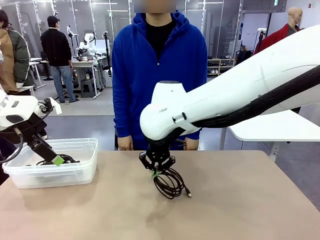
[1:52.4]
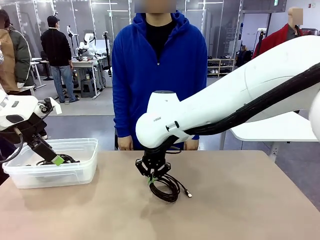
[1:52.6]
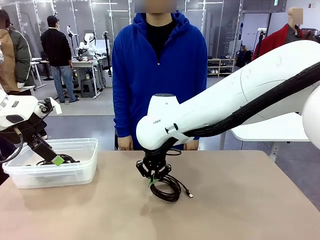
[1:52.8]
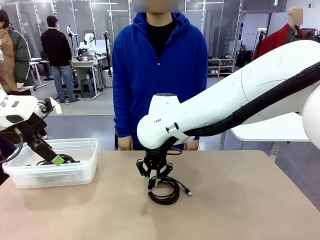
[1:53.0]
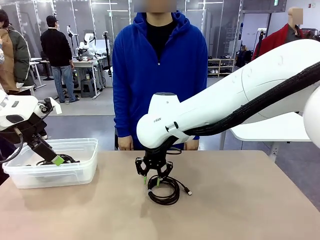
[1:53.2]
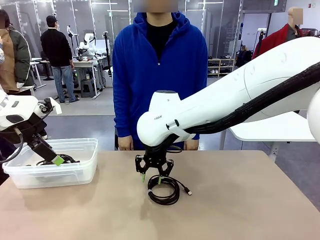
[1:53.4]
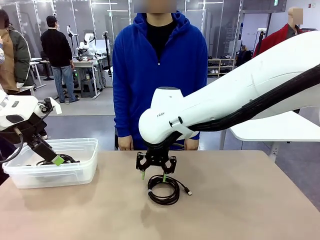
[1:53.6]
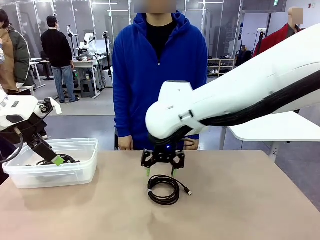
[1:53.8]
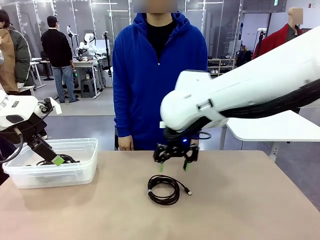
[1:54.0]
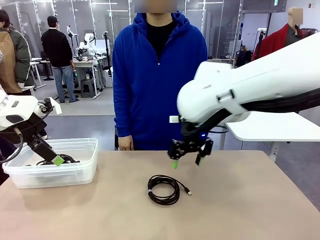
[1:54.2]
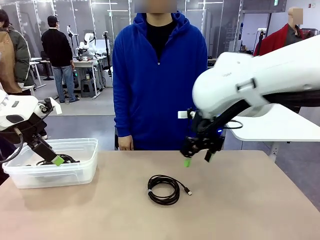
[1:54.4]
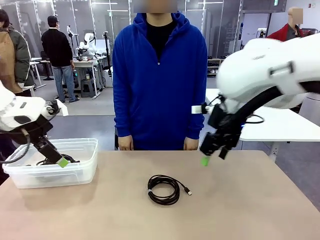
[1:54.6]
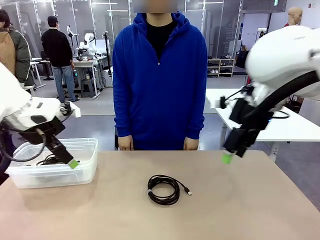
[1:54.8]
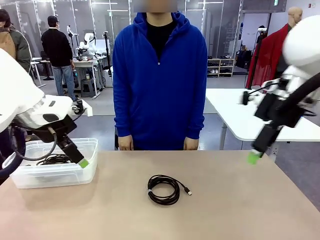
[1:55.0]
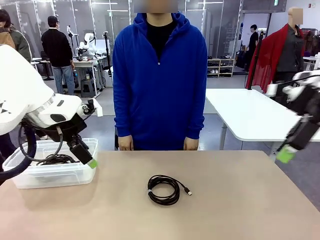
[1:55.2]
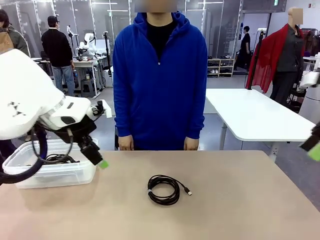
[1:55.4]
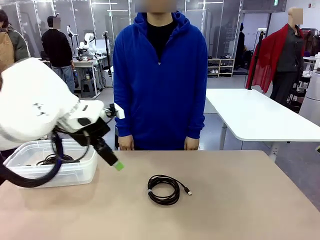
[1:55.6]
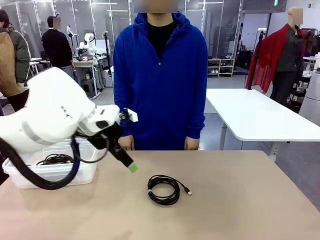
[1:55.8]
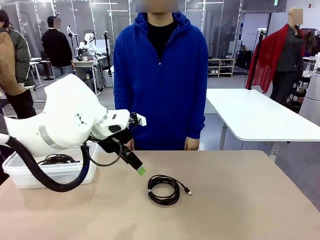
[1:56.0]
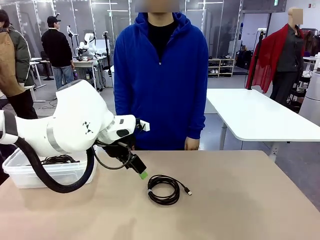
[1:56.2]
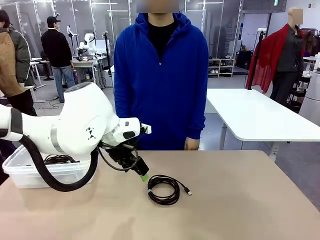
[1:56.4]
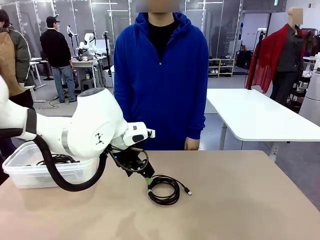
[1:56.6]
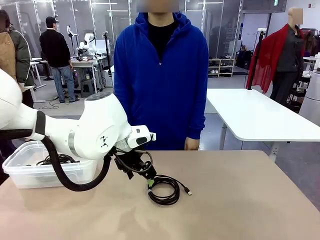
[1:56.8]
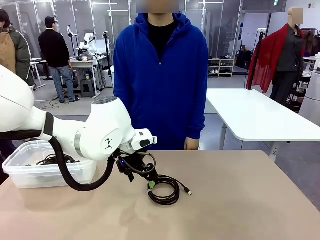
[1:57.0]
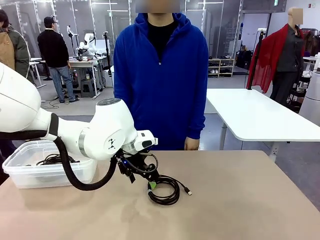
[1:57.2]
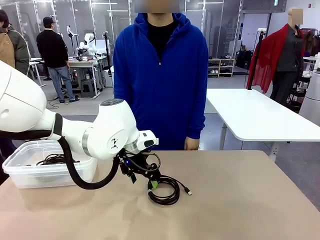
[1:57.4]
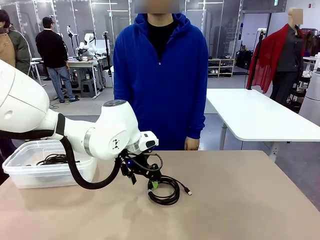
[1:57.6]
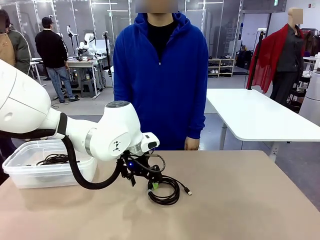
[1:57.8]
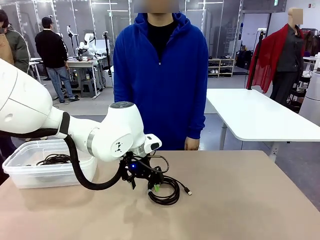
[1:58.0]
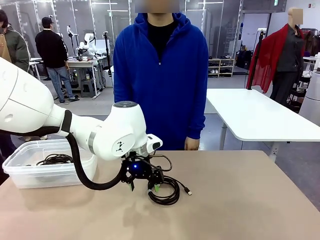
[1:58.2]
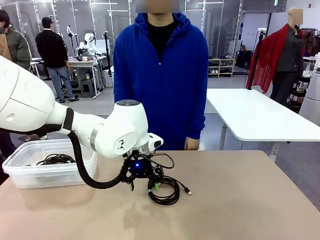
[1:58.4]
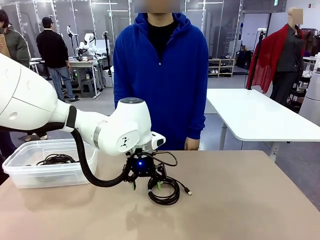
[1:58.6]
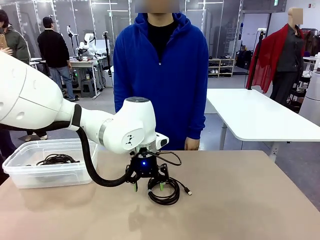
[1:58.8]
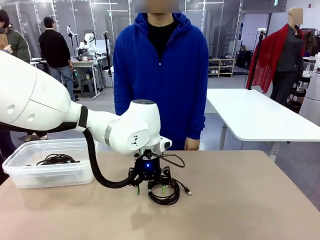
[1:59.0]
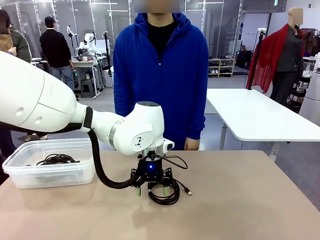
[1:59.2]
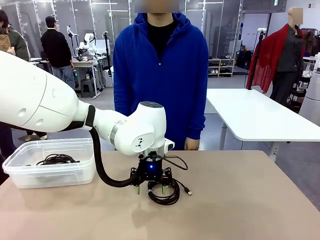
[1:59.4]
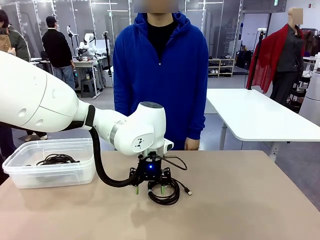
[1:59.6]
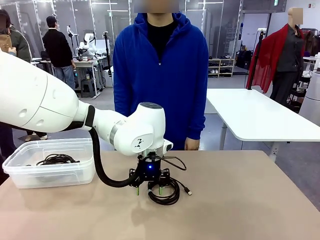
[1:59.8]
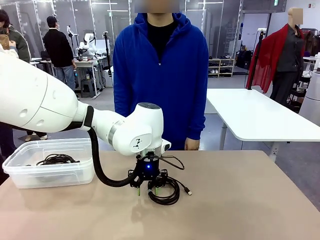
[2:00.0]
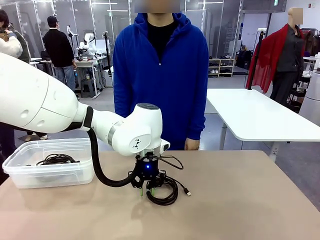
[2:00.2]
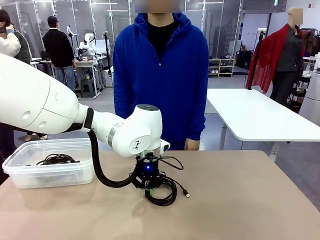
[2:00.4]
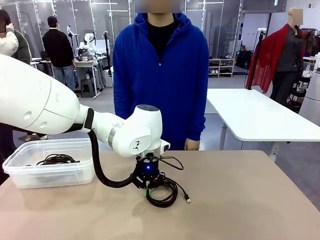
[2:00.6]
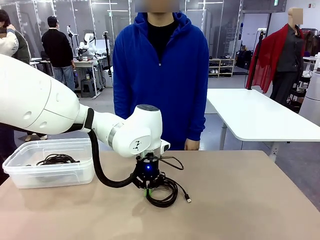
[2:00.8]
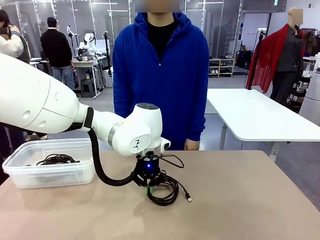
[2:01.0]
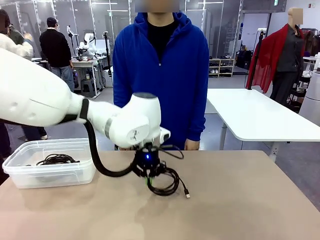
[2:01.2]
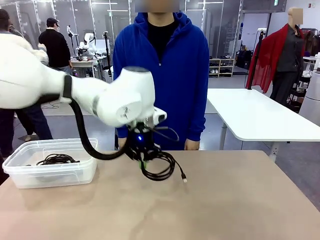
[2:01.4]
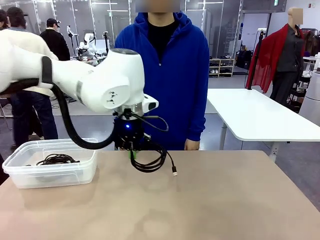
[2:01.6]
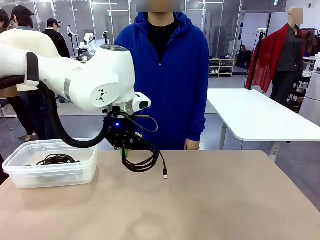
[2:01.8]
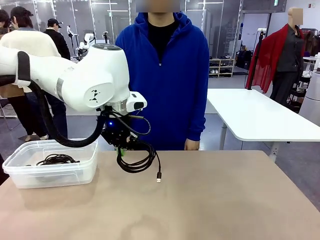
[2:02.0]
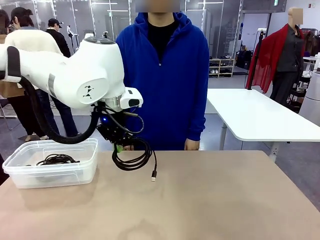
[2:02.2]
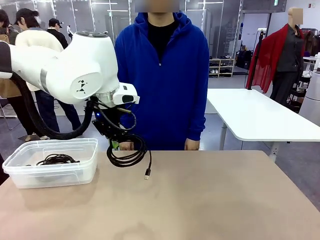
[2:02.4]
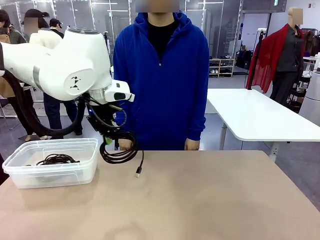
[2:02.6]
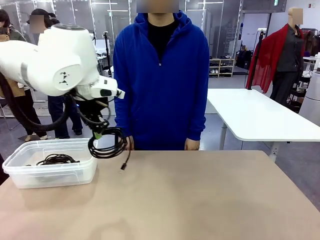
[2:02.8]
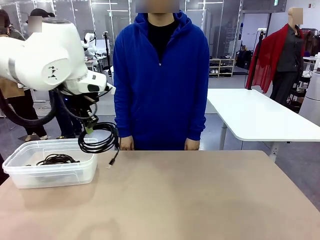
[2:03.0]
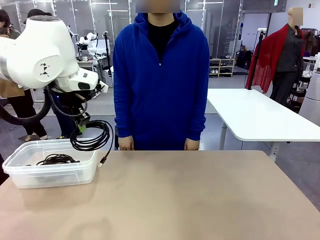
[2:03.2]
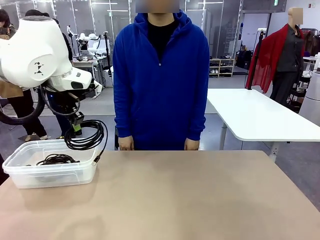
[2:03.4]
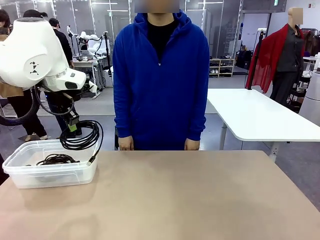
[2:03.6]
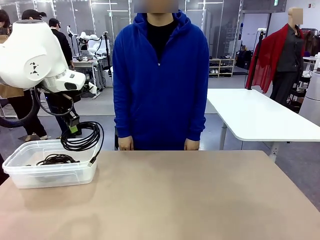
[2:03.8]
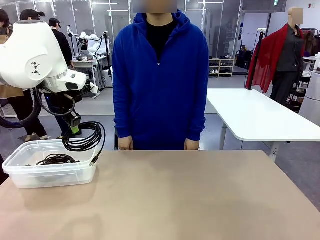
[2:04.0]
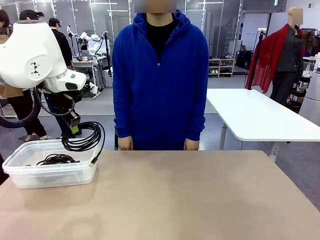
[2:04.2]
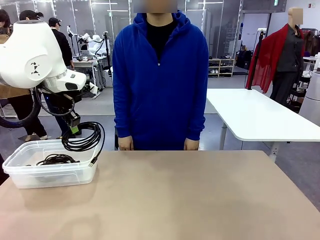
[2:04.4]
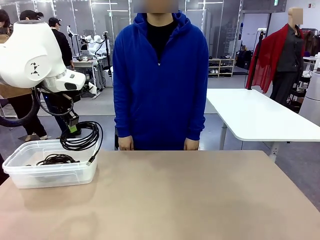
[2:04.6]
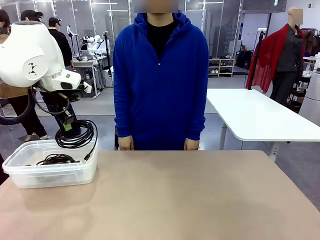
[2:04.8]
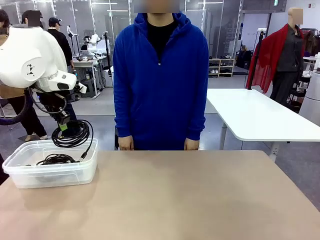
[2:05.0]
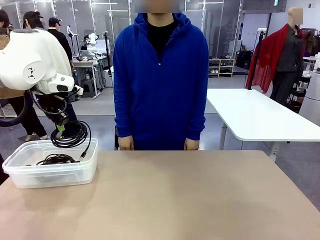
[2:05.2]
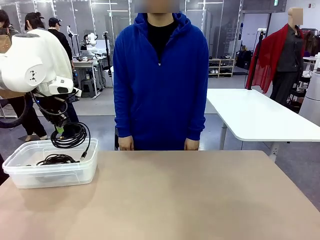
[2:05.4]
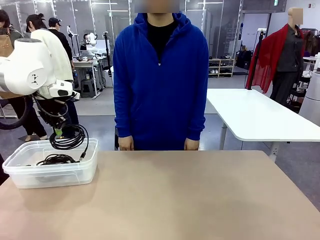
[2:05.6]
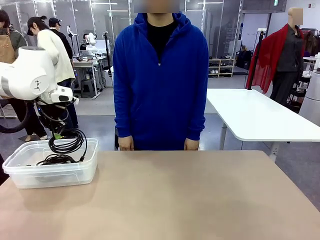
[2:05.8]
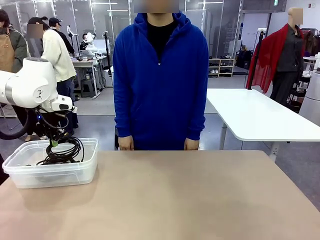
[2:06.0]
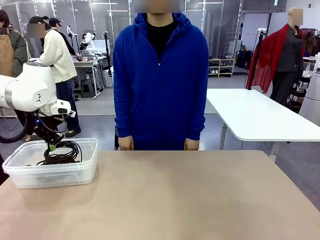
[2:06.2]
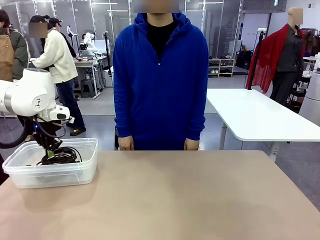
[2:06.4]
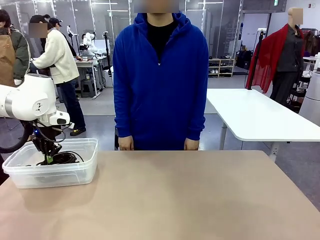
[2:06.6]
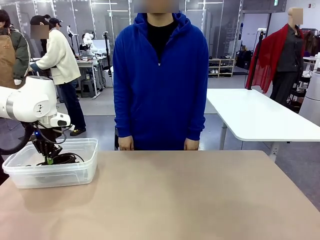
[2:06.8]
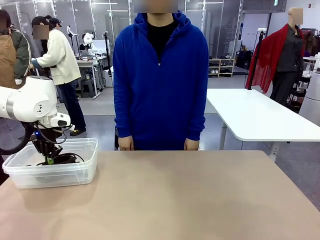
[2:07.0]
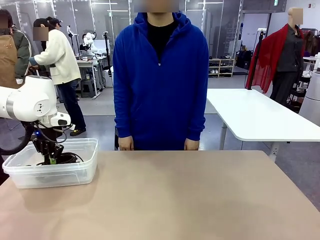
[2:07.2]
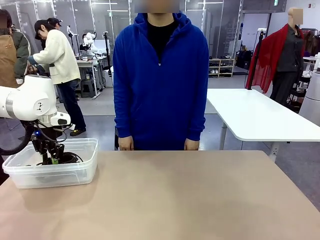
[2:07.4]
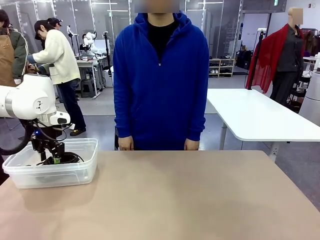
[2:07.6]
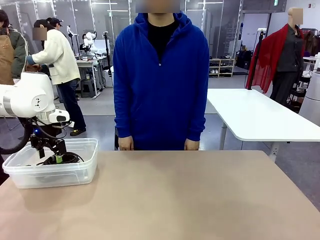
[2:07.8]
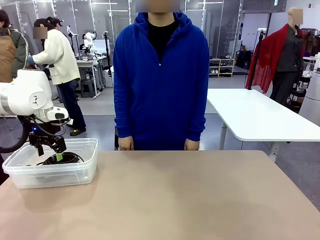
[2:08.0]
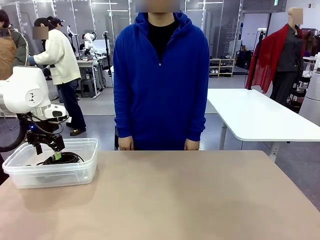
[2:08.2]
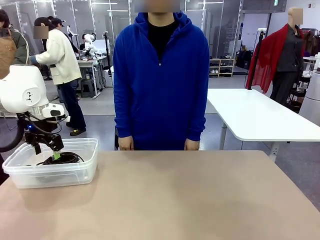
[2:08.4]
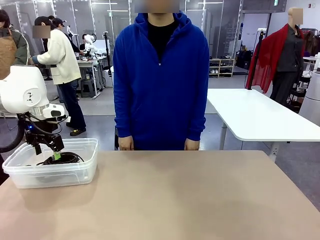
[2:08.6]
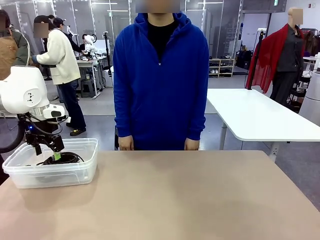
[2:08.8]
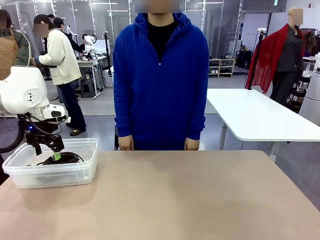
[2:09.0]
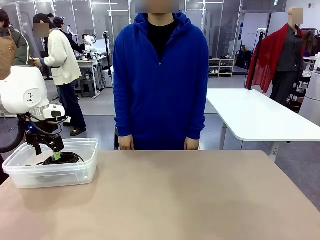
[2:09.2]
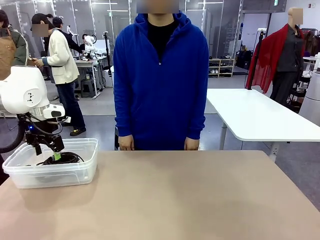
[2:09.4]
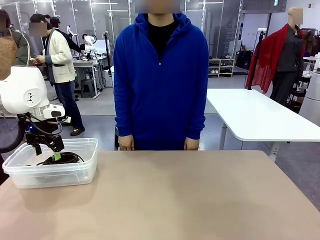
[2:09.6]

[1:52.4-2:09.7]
Task: Organize and store the cables.
Robot: Place the USB Extension Cable into the Organizing box.
